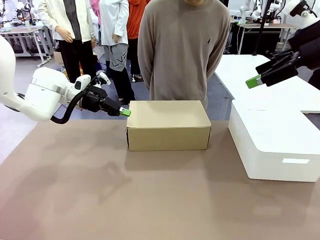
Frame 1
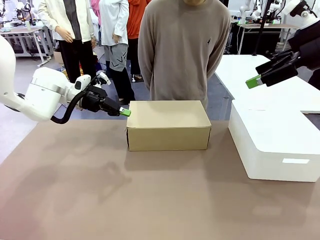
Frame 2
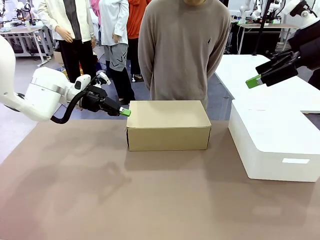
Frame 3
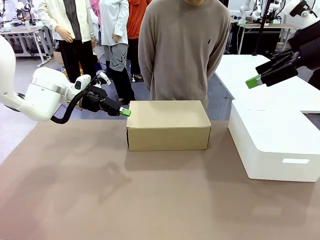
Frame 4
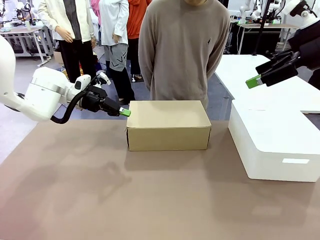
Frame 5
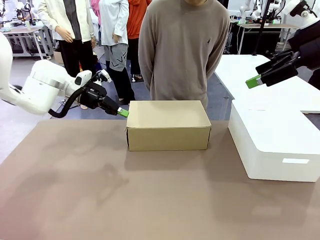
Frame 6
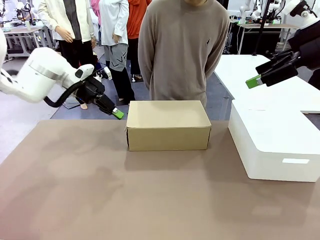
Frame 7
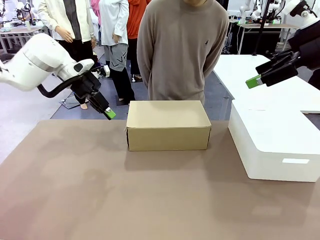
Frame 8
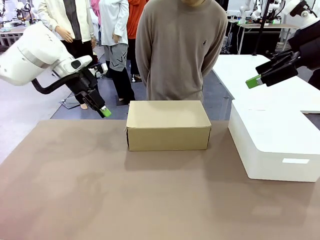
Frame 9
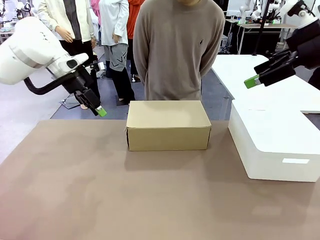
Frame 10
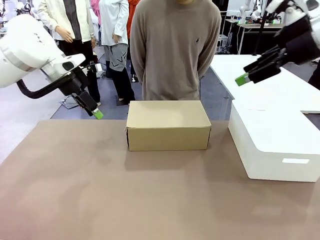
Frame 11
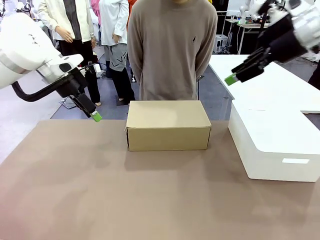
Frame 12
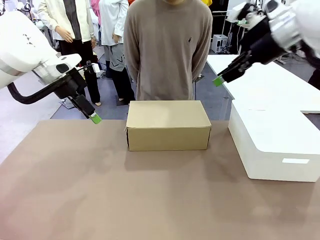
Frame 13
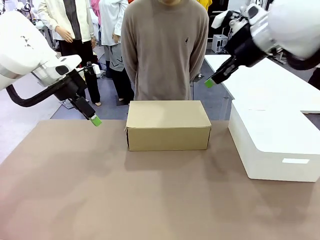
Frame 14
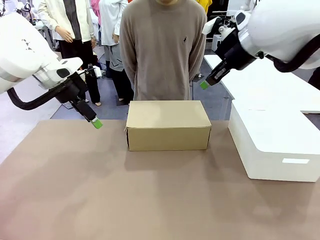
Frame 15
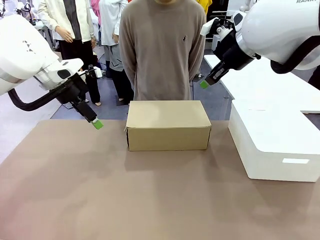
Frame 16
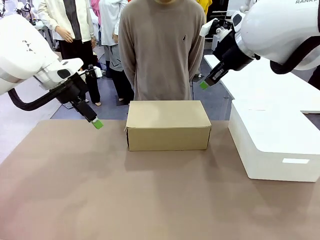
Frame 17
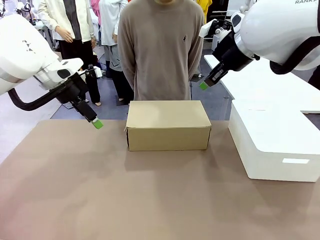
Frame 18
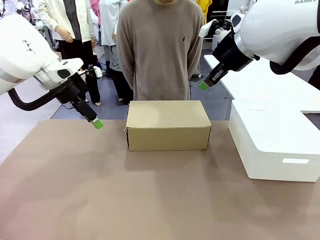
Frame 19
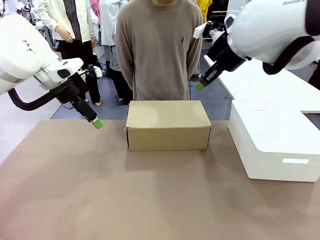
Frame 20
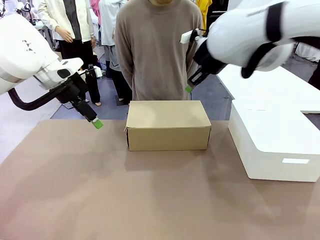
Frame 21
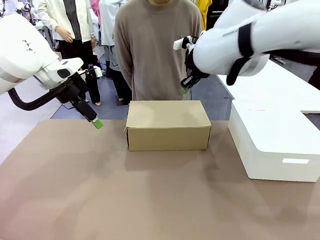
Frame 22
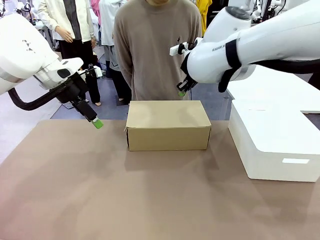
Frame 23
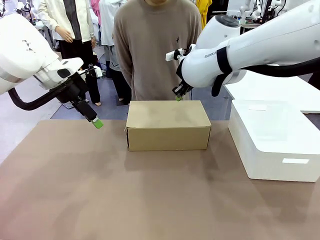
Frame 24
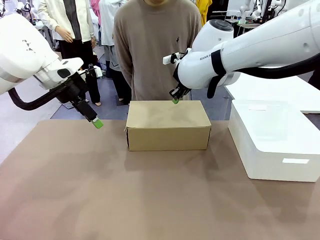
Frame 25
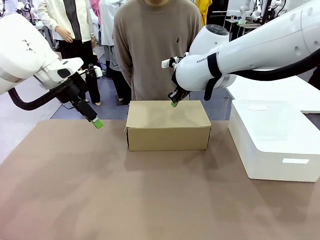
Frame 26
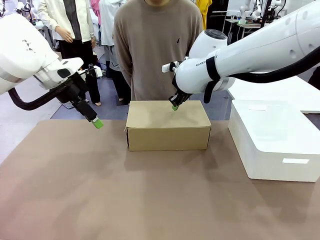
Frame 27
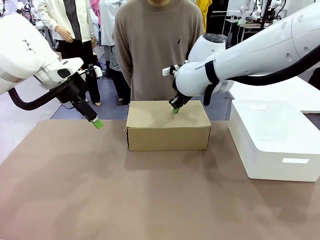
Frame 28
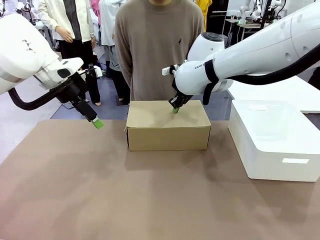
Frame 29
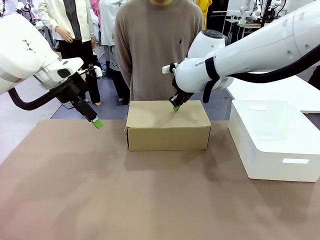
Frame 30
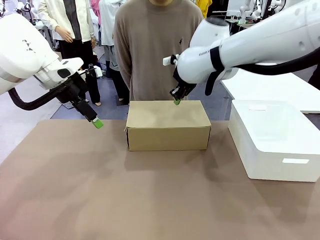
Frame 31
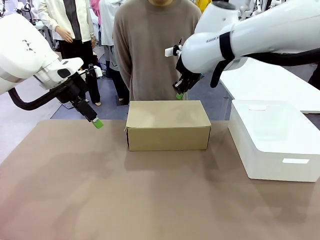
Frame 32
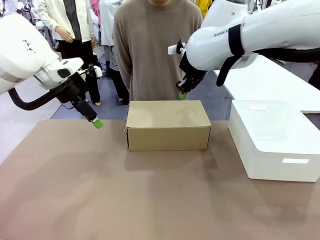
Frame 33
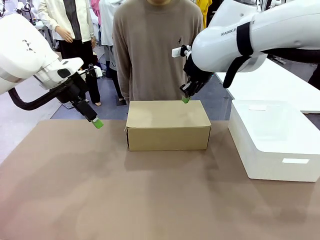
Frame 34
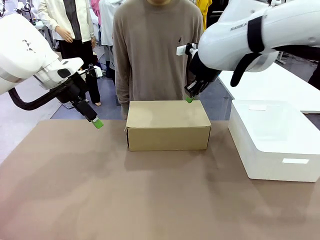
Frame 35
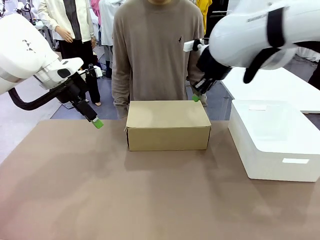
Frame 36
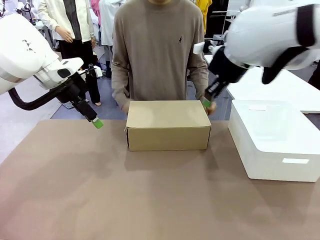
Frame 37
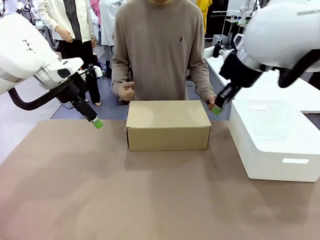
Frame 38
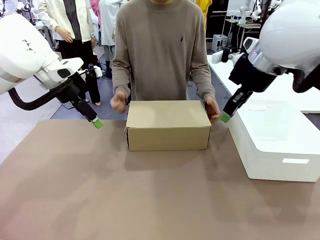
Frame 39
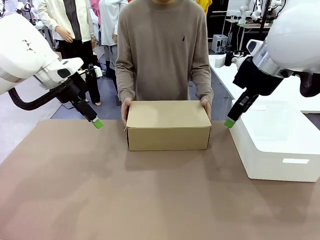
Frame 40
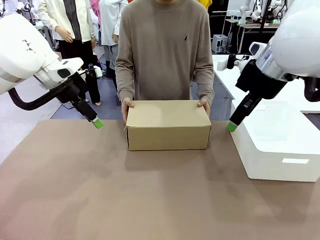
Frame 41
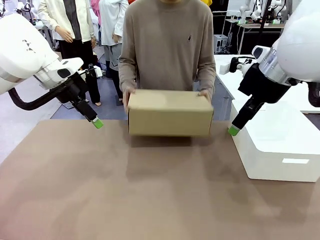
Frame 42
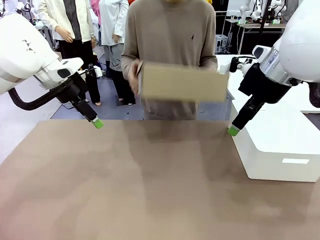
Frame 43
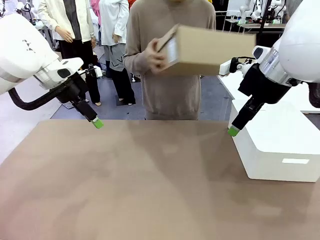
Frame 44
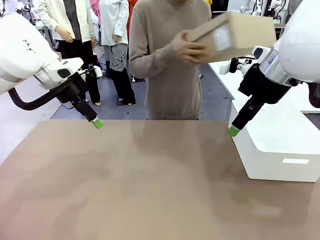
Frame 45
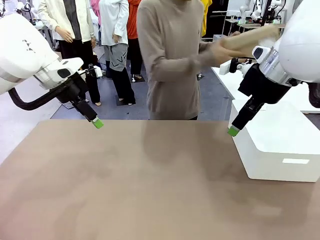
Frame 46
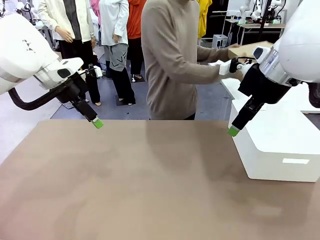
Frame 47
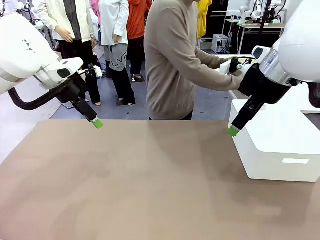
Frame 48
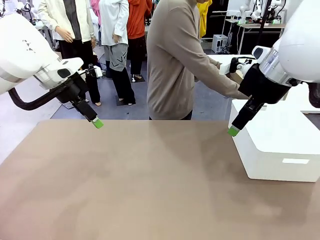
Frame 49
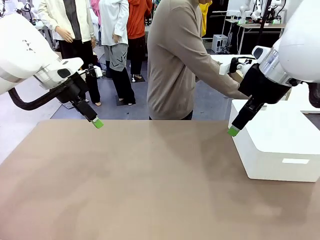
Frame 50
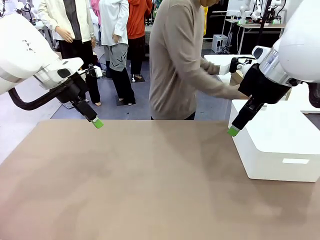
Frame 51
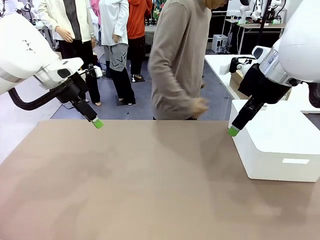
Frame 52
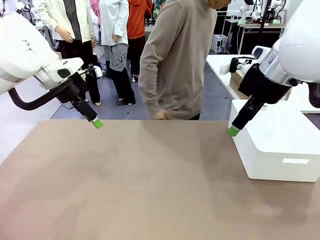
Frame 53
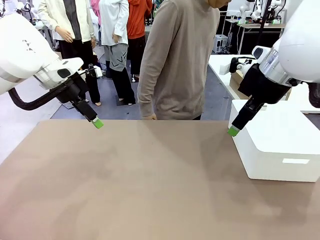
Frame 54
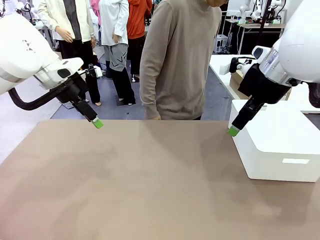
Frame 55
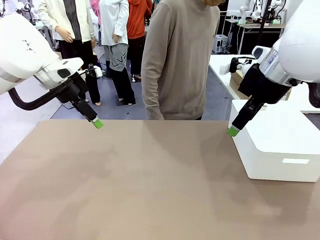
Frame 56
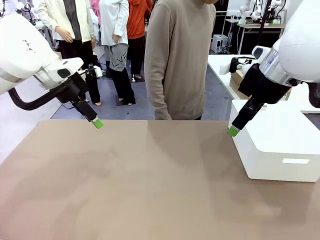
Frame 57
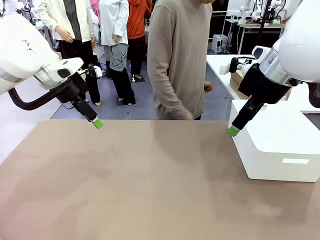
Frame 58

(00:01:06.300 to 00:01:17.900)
Task: Pack the shoes into the box.
Robot: Press down on the lid of the Shoes Box.
Person: Place the closed Shoes Box to the right side of the human table.

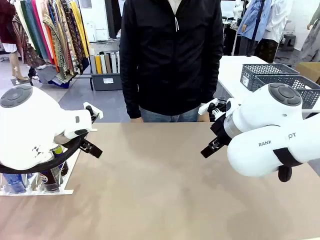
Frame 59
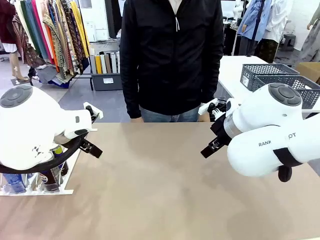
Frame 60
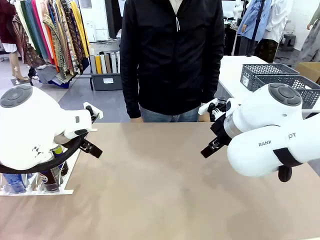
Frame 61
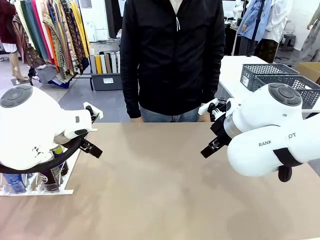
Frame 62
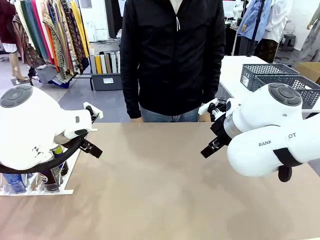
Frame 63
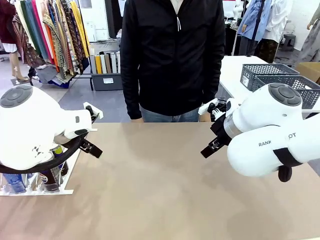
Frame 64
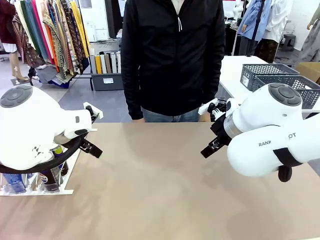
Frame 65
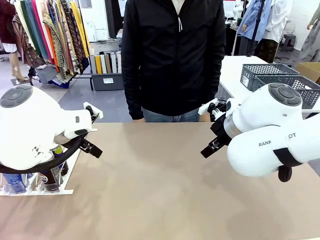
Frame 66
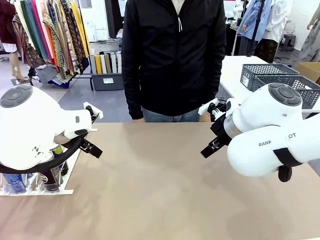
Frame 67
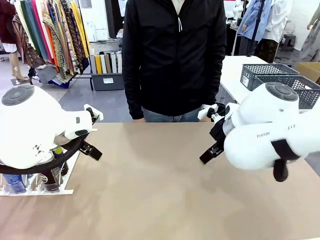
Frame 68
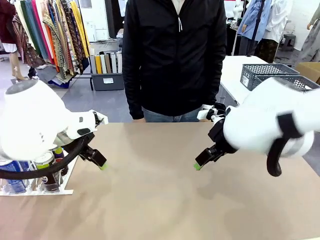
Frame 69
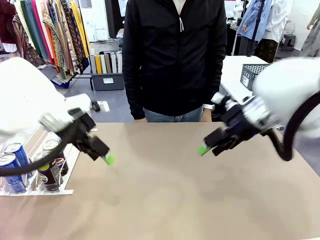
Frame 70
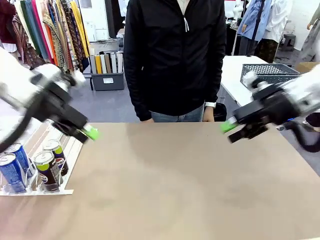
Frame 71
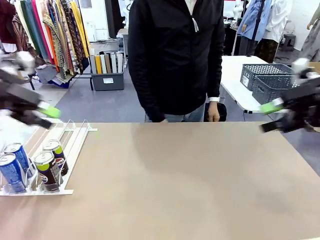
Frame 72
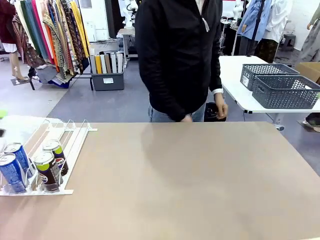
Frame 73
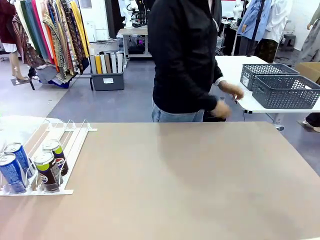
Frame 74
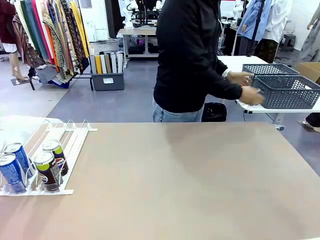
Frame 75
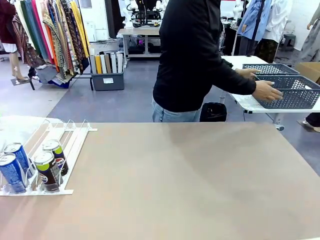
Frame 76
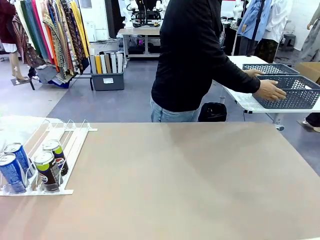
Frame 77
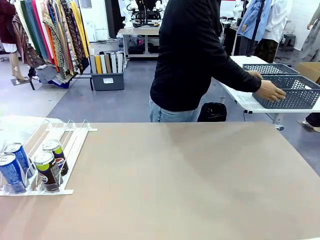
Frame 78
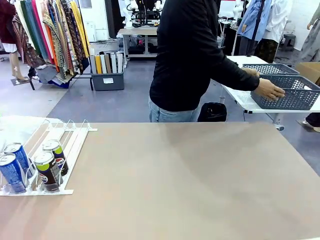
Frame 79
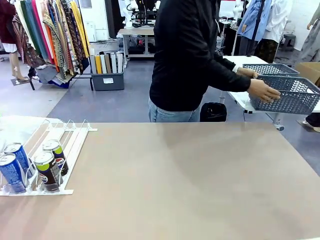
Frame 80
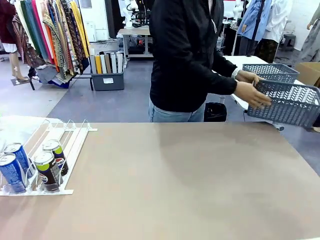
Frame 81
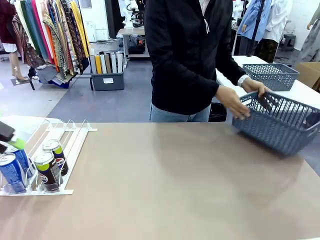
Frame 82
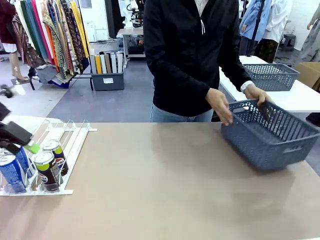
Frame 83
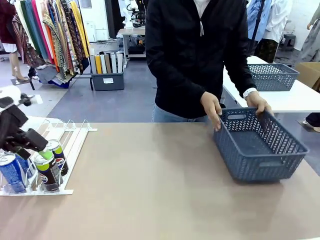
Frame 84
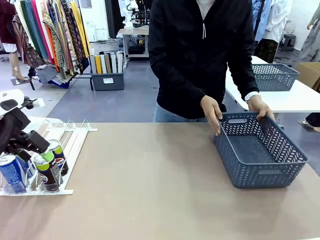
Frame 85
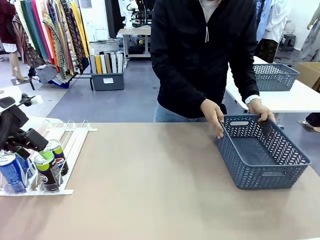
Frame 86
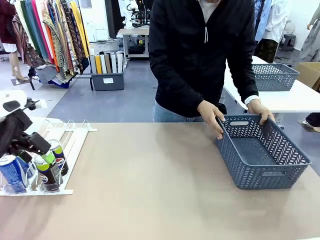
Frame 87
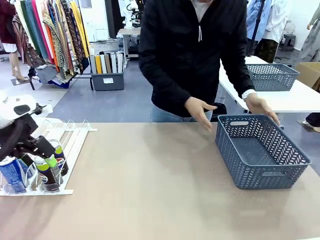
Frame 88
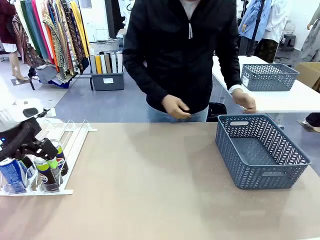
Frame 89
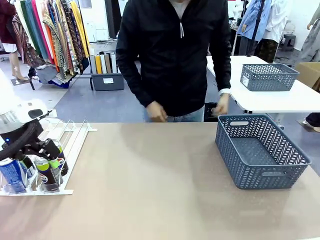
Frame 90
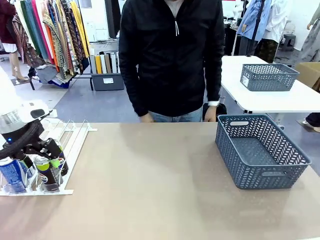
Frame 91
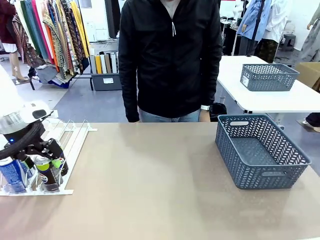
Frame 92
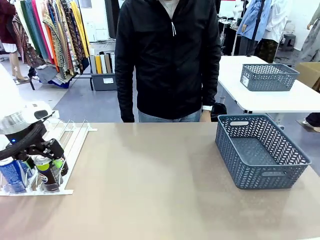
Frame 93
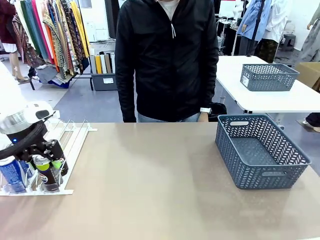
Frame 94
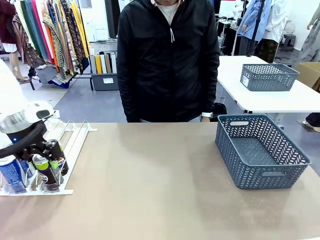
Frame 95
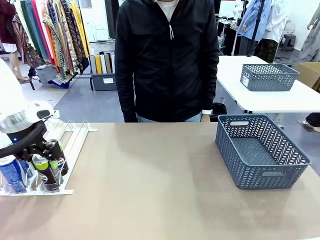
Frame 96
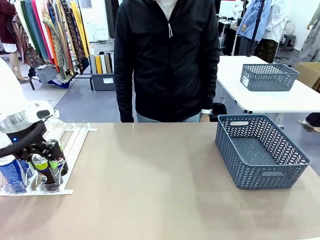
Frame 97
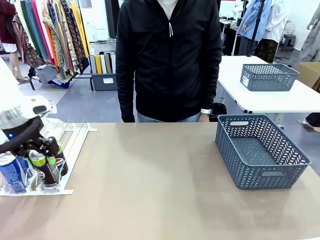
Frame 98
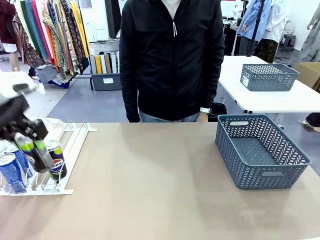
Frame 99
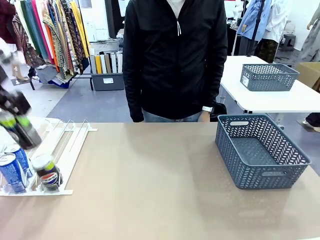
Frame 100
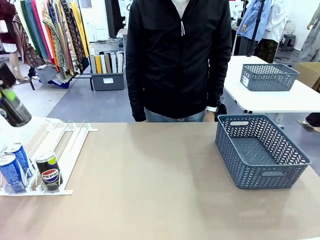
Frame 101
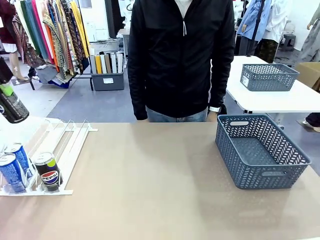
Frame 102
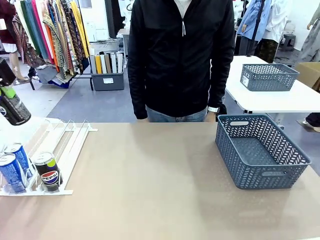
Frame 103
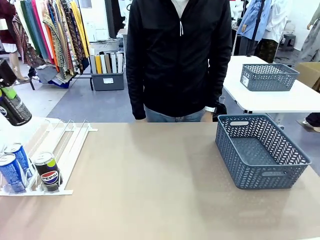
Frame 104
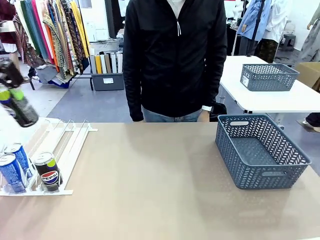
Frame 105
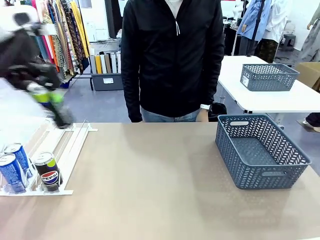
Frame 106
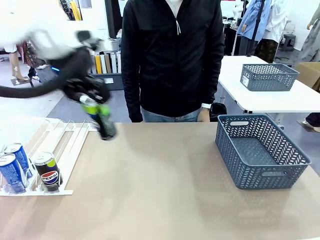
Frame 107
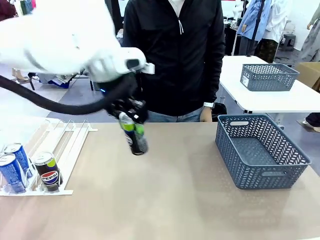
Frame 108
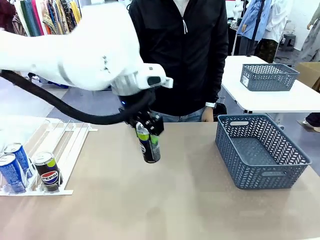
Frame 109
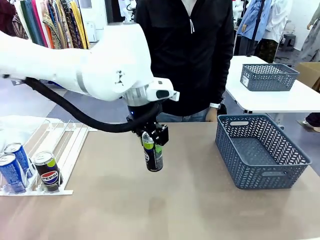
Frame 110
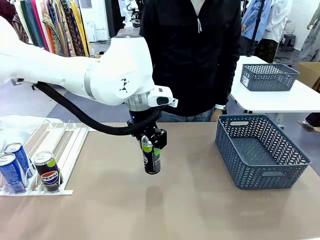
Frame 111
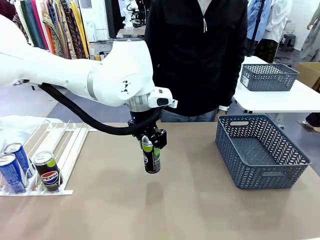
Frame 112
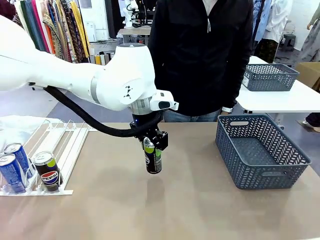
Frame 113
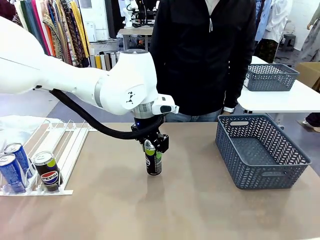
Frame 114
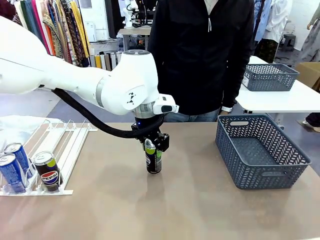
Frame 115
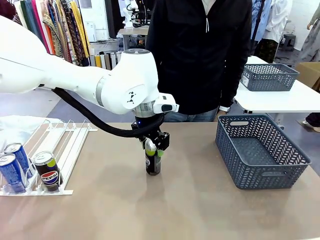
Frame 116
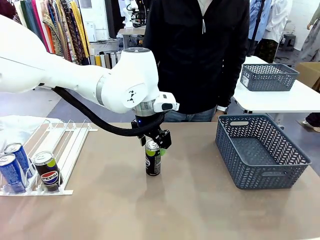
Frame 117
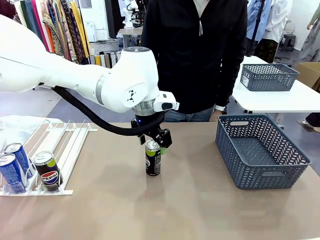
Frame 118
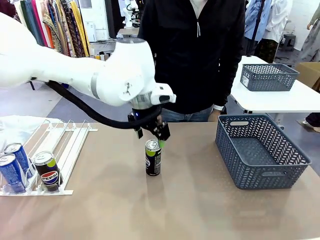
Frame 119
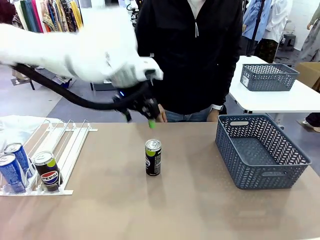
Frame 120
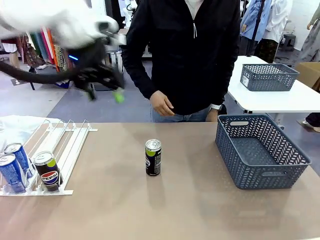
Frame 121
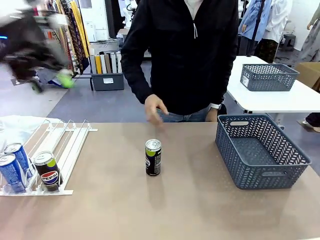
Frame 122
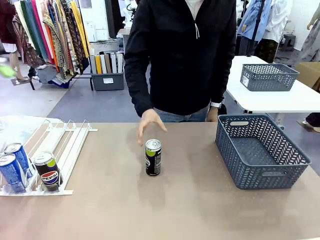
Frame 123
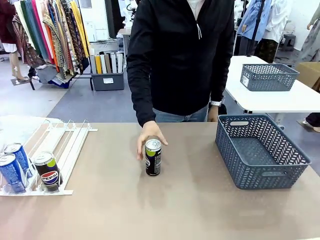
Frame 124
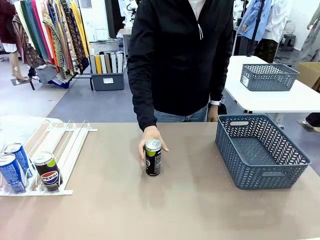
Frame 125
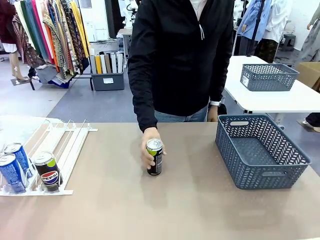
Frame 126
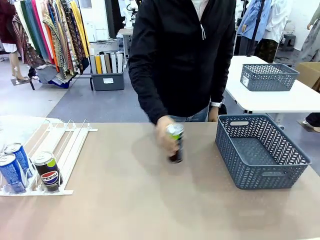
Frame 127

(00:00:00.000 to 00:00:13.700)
Task: Retrieve and store the cans from the dispenser.
Robot: Pick up one can from the Automatic Can Dispenser and place it in the middle of the table.
Person: Pick up the basket and place it on the left side of the robot table.
